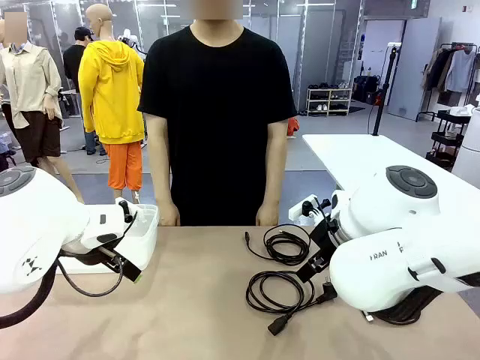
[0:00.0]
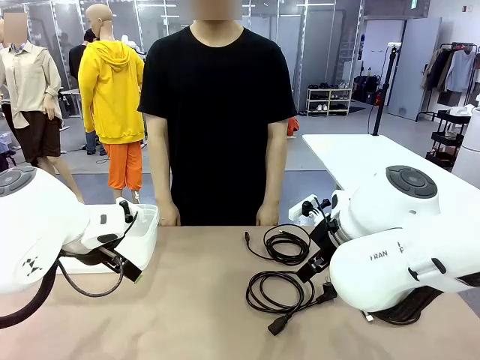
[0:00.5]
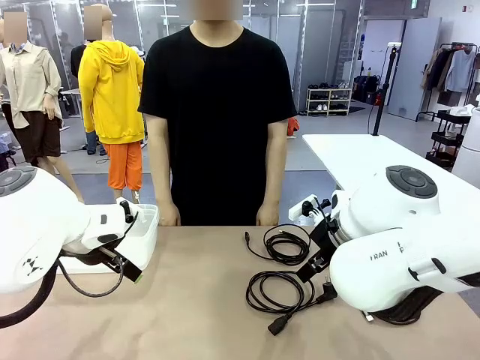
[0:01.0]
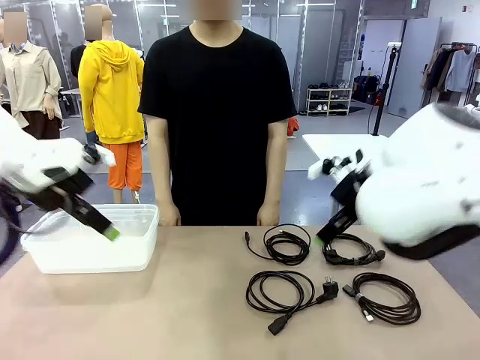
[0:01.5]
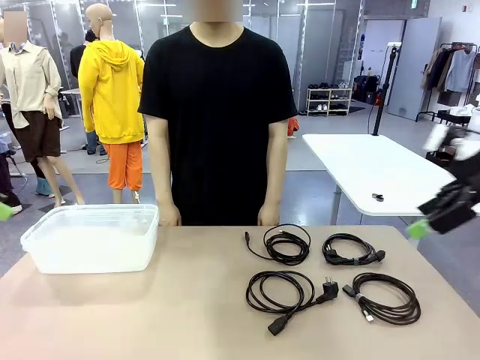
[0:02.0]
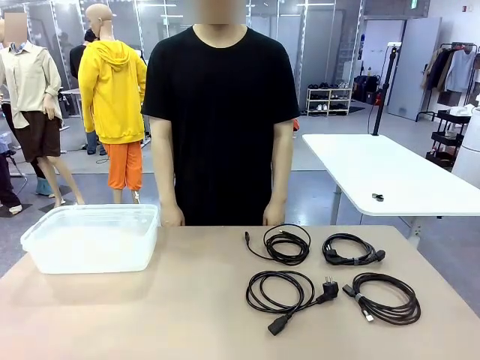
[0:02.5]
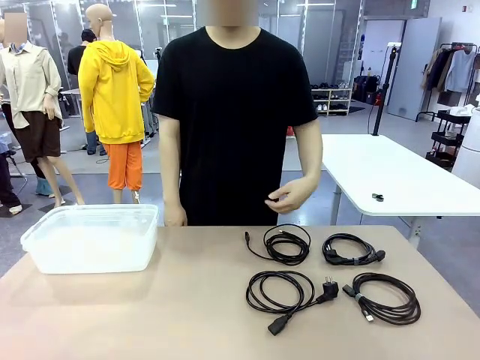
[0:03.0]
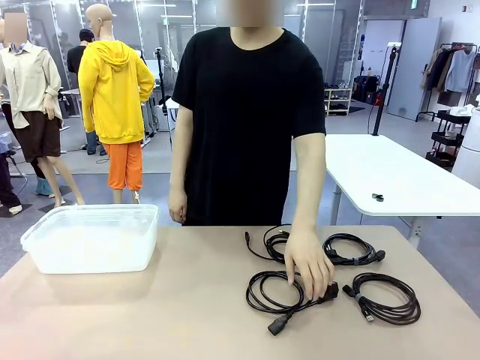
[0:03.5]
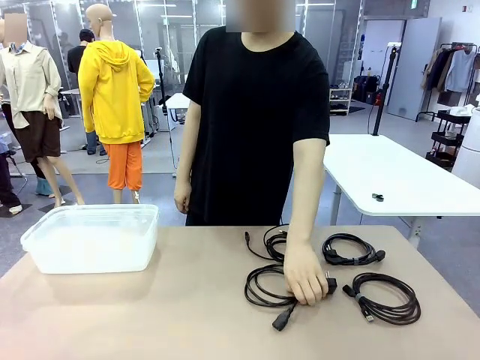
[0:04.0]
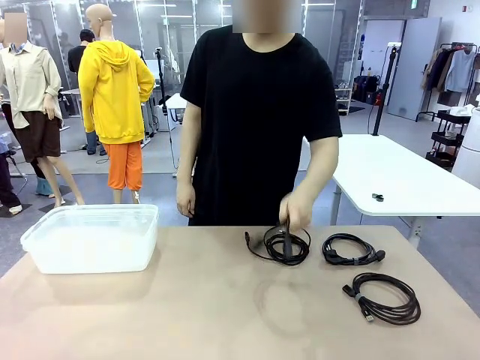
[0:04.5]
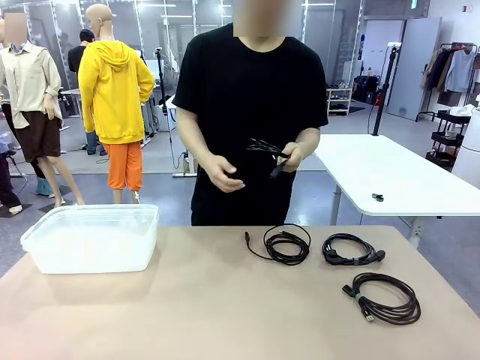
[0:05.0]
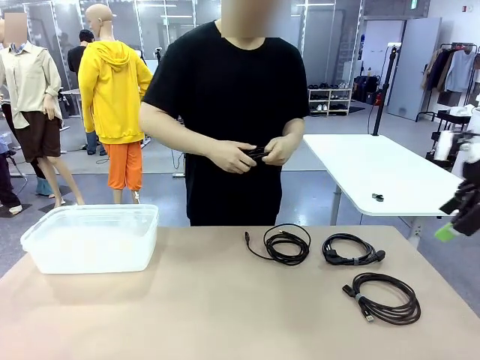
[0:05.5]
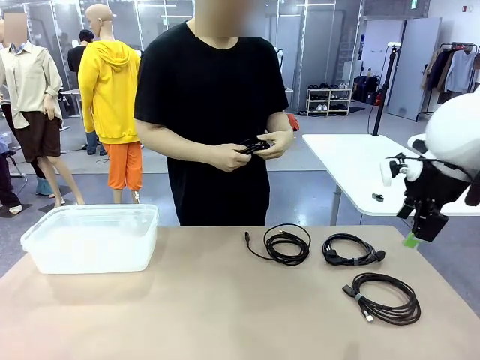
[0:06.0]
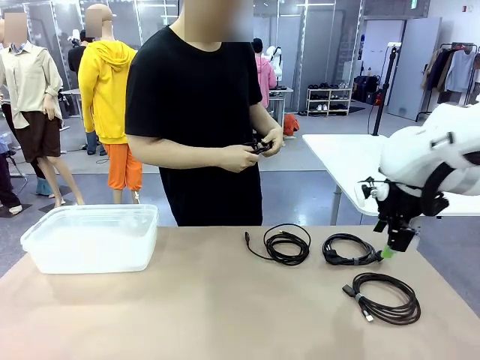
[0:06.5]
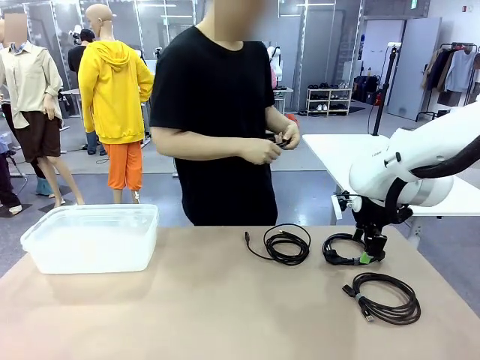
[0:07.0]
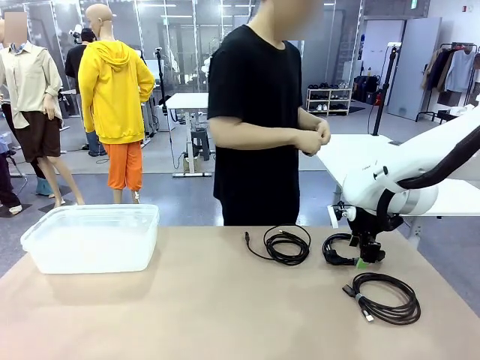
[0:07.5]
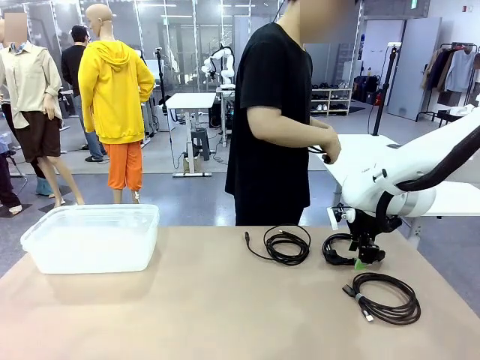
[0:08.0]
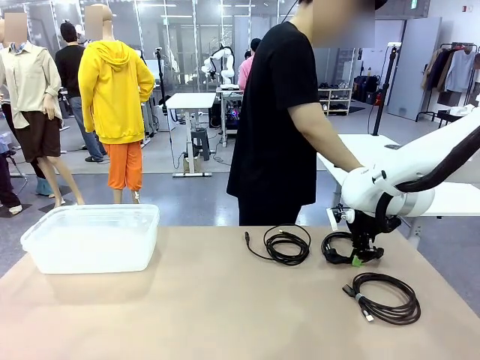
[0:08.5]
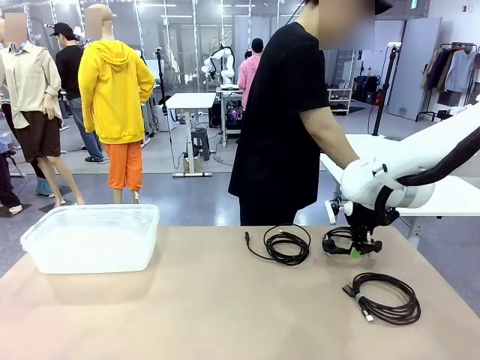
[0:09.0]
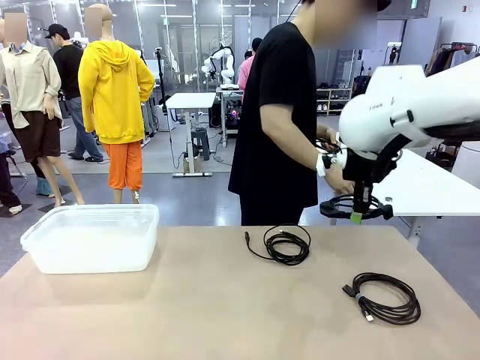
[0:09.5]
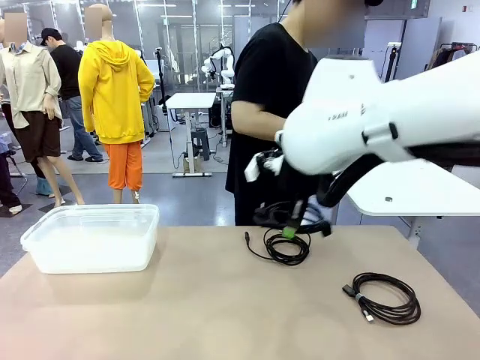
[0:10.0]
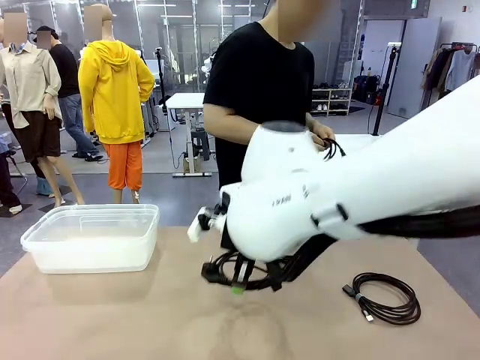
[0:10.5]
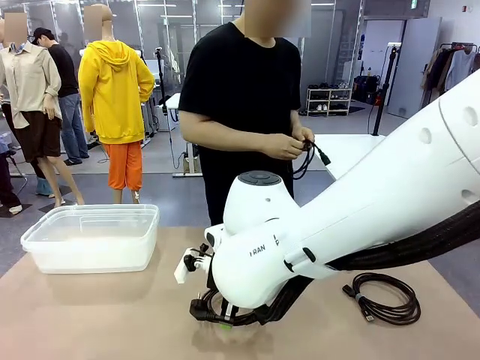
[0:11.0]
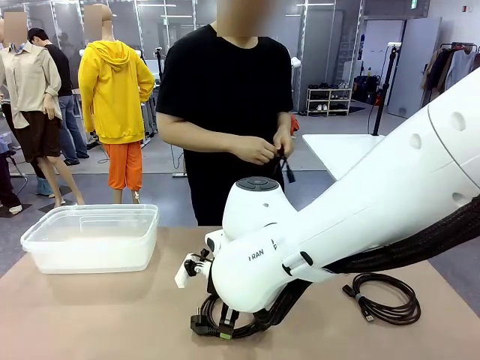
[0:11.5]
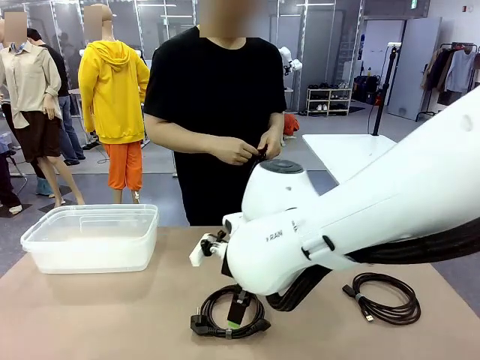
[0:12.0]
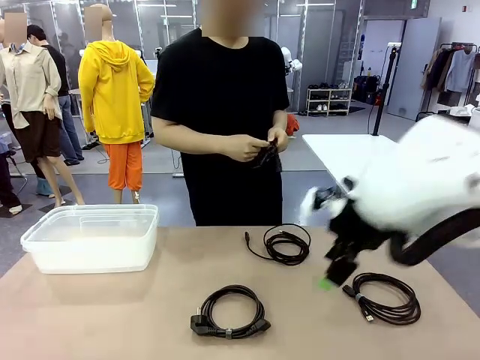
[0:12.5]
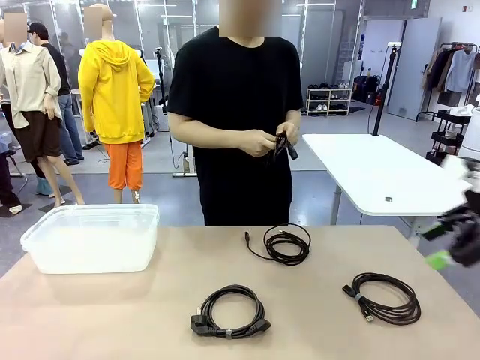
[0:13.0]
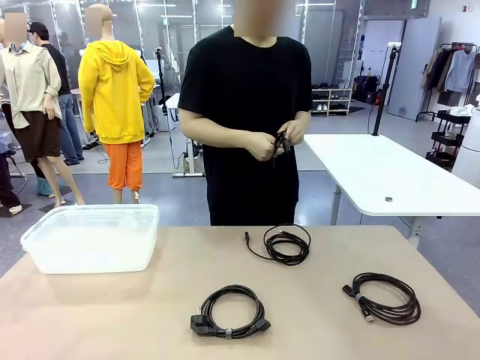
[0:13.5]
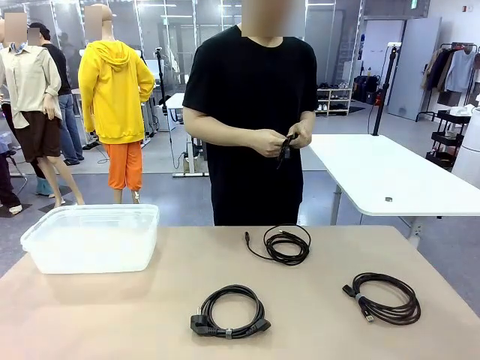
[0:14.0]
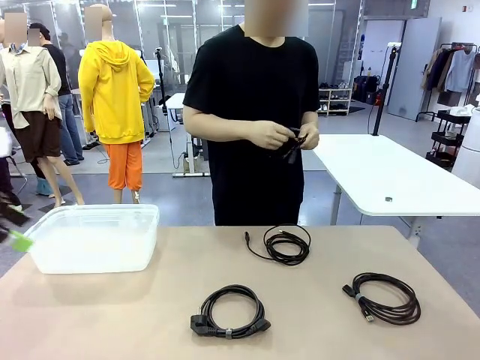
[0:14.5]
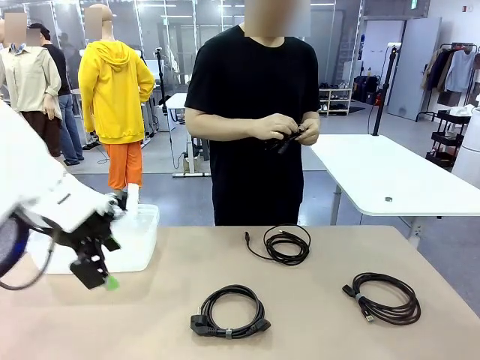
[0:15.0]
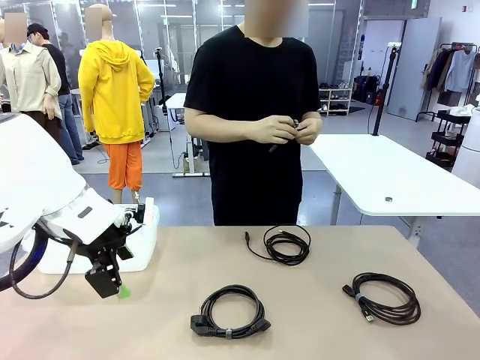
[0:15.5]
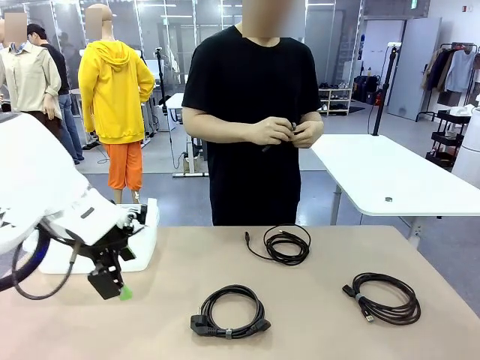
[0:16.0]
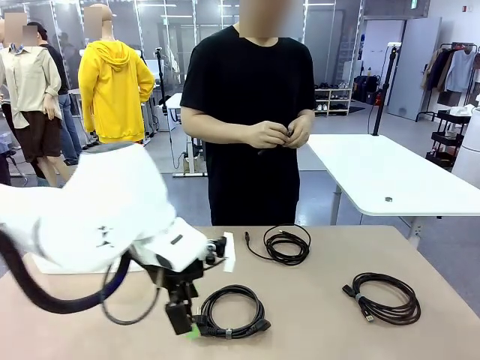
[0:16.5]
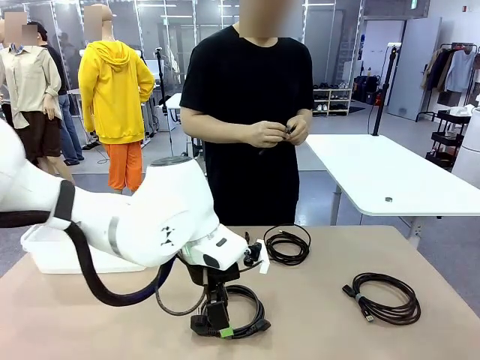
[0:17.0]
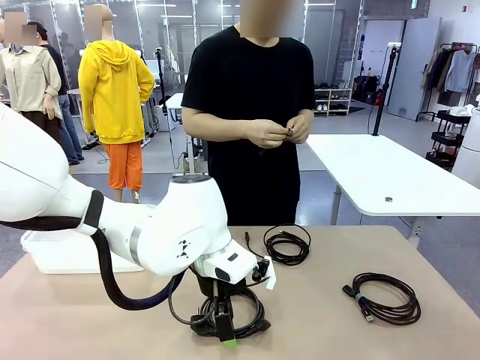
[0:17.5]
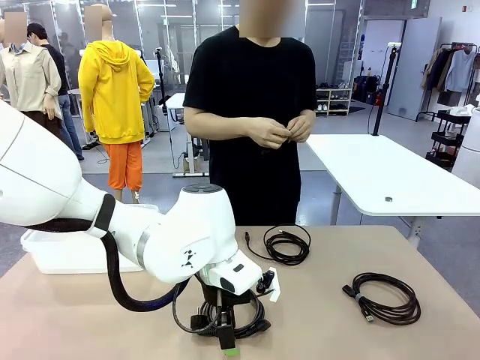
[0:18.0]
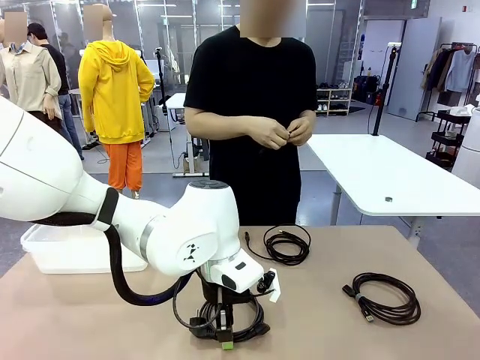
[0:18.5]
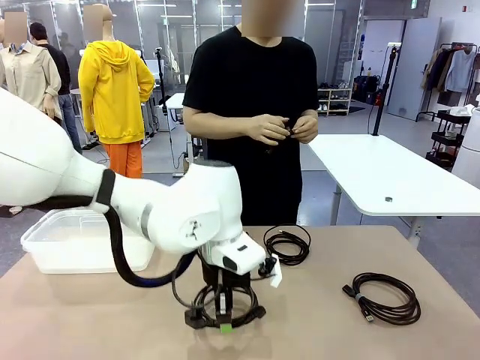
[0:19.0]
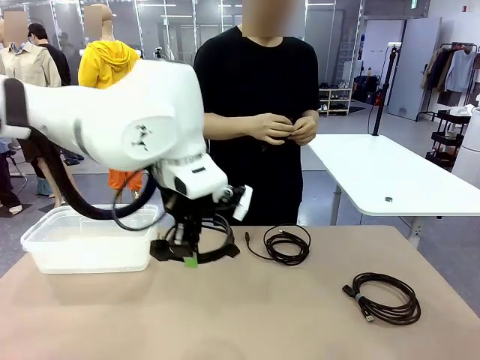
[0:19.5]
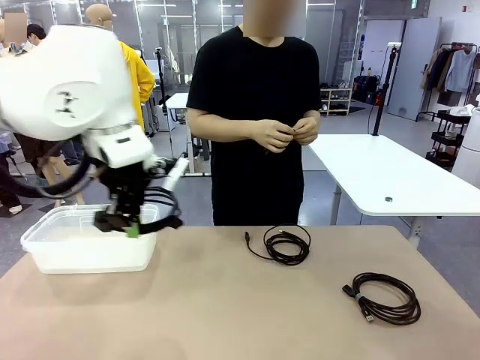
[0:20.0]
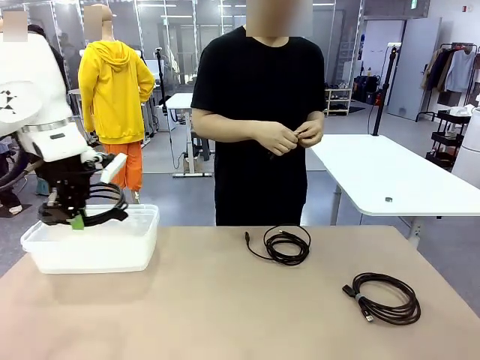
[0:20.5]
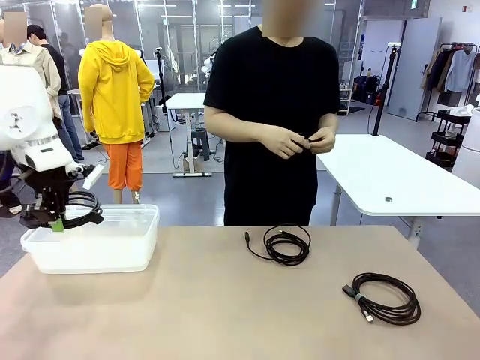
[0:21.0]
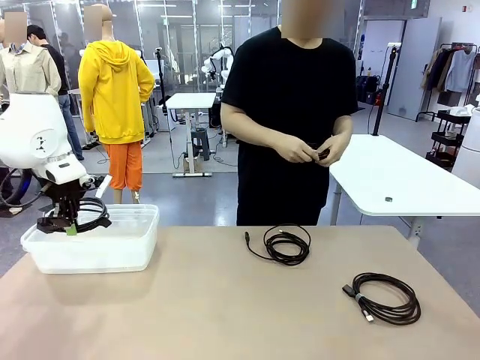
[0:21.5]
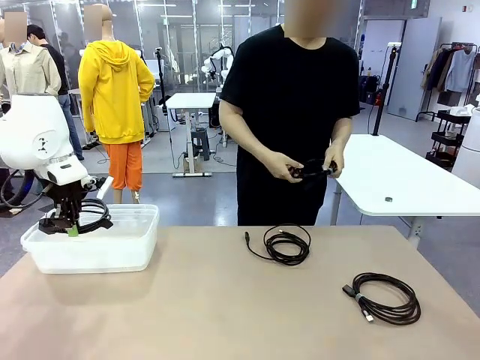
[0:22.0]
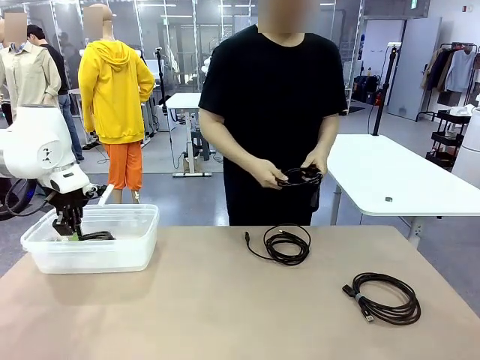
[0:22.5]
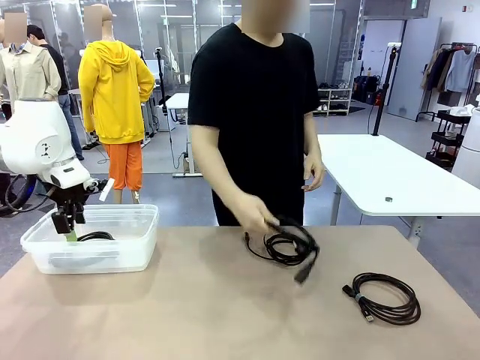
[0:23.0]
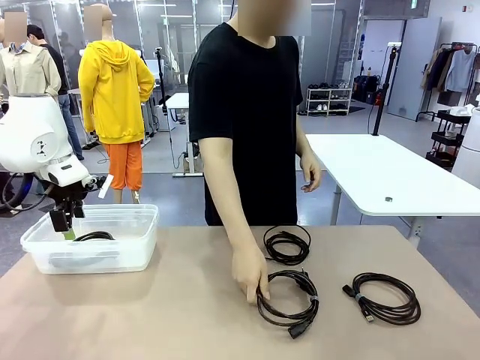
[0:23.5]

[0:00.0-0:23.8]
Task: Organize and store the cables.
Robot: Place the Power Cable into the Organizing box.
Person: Tie one Power Cable with a Reusable Cable Tie.
